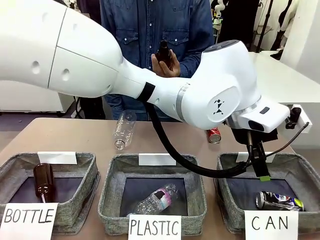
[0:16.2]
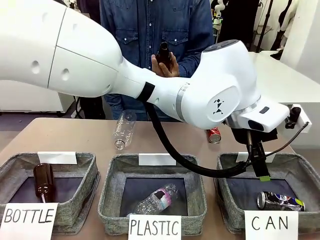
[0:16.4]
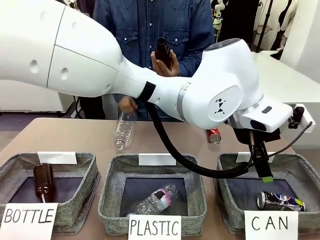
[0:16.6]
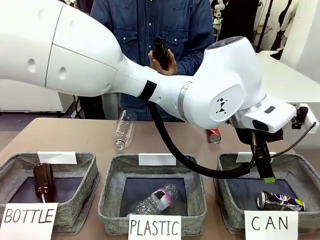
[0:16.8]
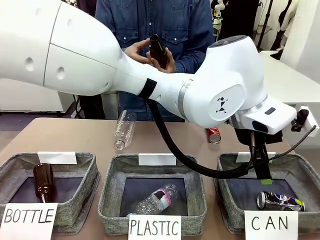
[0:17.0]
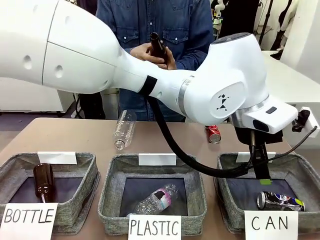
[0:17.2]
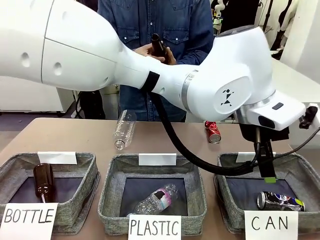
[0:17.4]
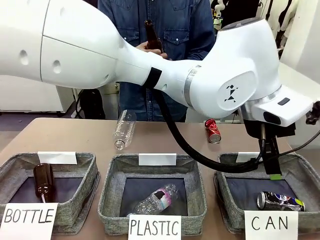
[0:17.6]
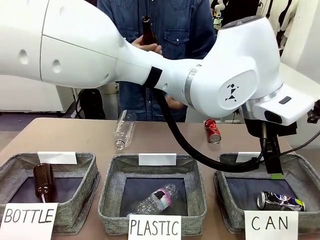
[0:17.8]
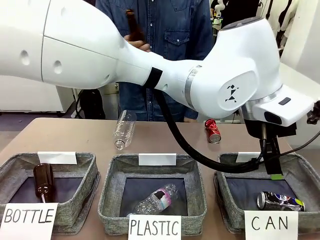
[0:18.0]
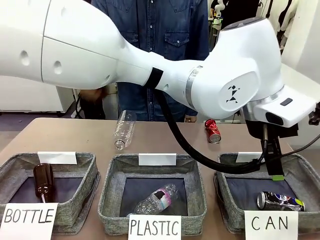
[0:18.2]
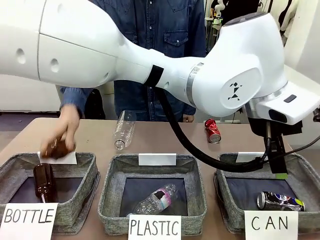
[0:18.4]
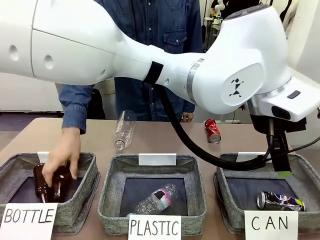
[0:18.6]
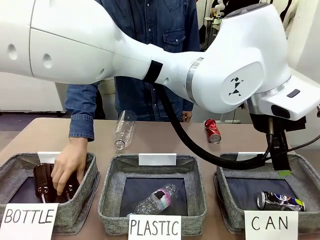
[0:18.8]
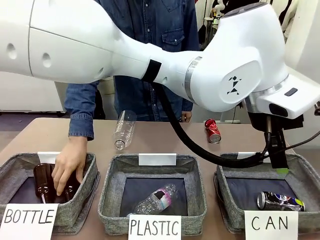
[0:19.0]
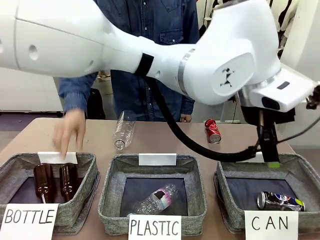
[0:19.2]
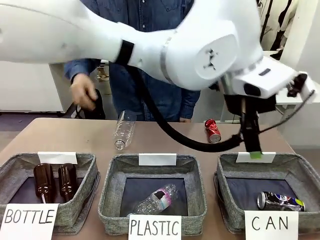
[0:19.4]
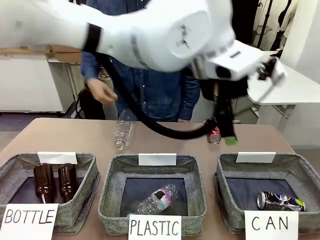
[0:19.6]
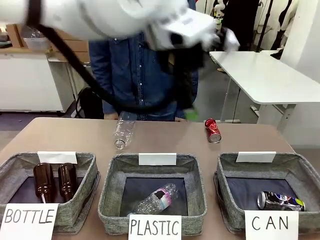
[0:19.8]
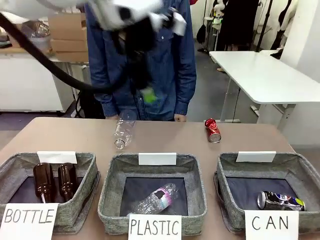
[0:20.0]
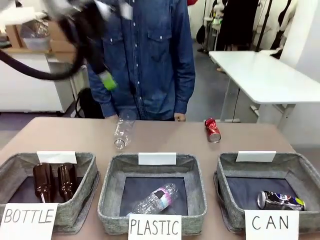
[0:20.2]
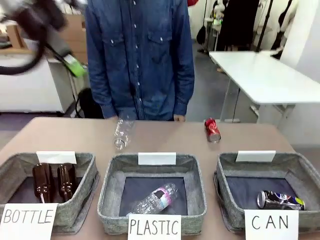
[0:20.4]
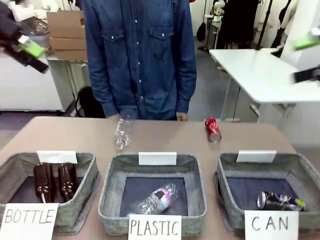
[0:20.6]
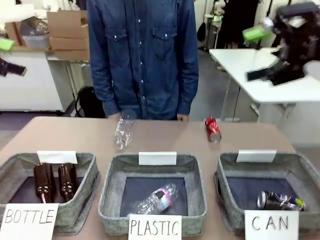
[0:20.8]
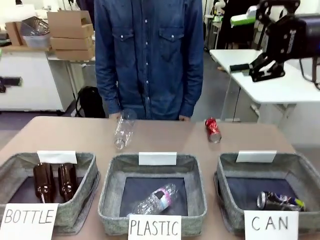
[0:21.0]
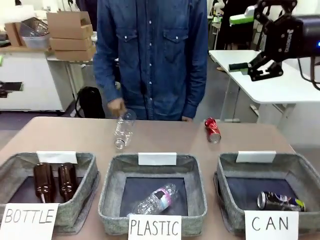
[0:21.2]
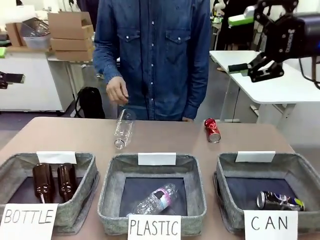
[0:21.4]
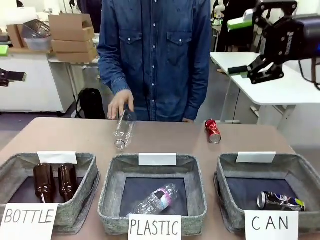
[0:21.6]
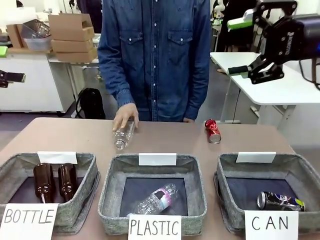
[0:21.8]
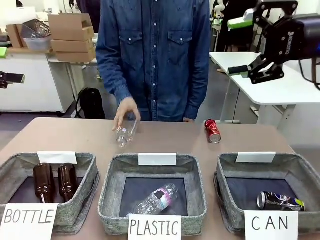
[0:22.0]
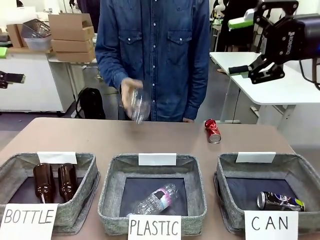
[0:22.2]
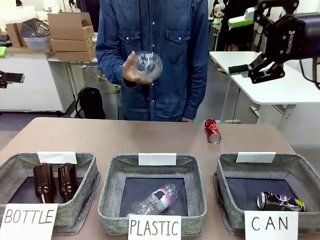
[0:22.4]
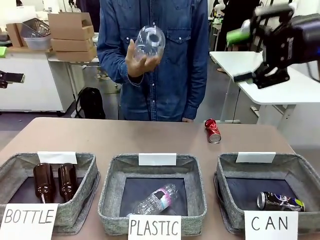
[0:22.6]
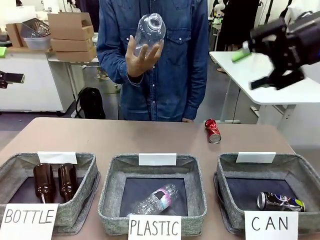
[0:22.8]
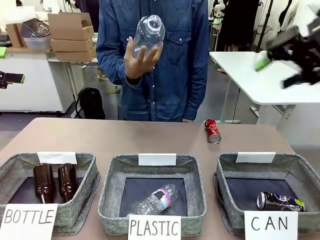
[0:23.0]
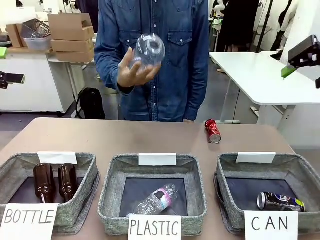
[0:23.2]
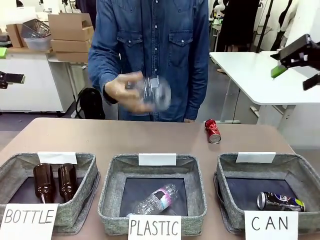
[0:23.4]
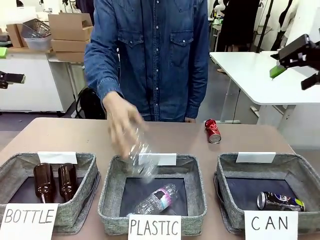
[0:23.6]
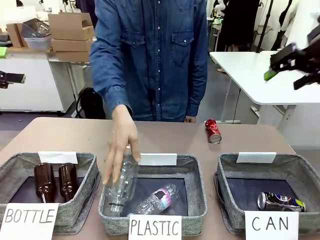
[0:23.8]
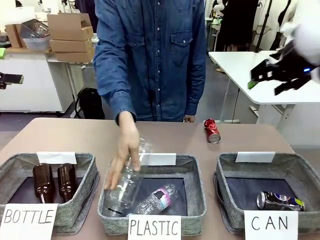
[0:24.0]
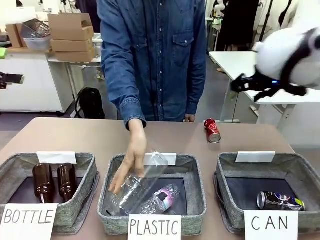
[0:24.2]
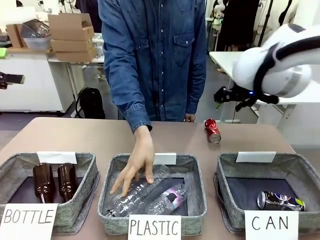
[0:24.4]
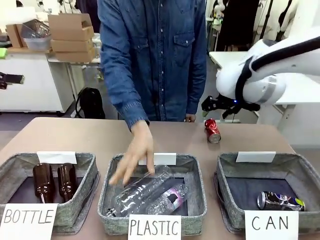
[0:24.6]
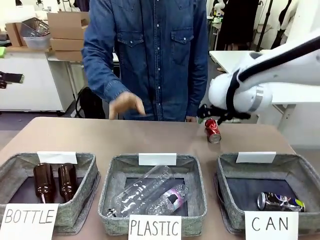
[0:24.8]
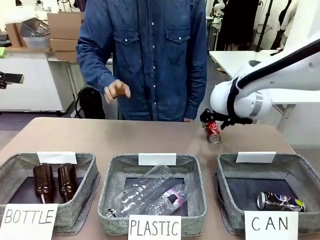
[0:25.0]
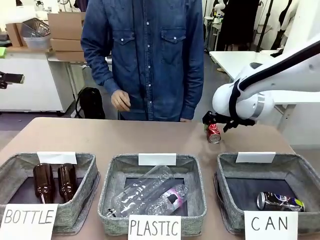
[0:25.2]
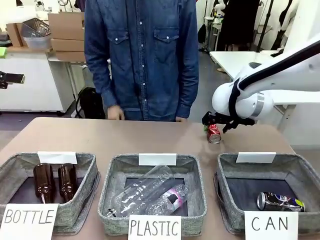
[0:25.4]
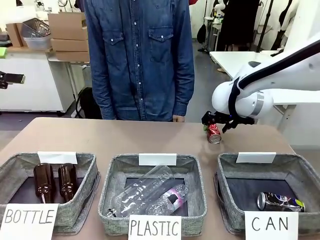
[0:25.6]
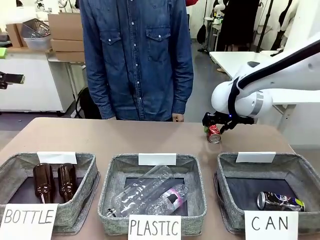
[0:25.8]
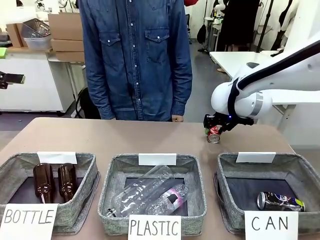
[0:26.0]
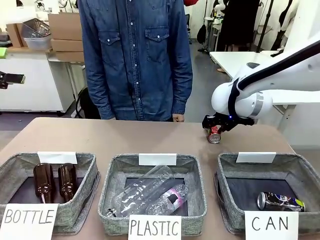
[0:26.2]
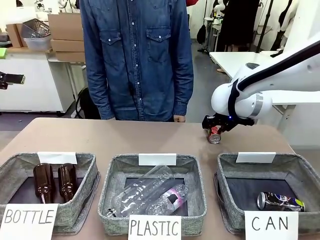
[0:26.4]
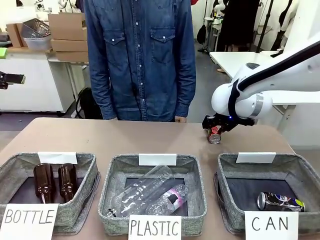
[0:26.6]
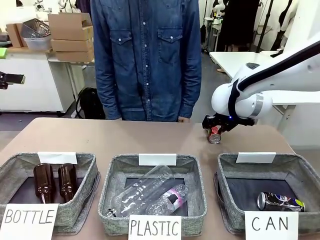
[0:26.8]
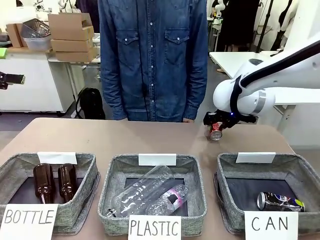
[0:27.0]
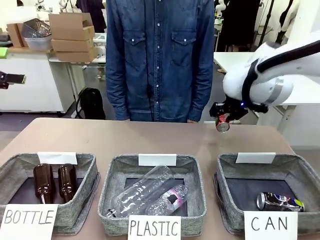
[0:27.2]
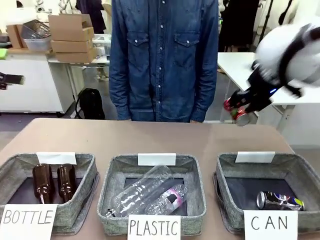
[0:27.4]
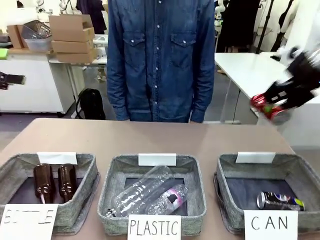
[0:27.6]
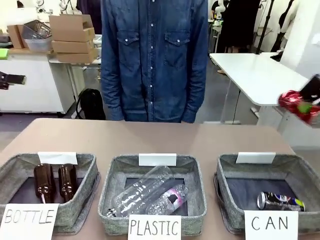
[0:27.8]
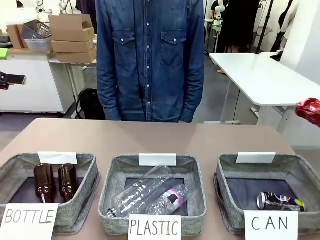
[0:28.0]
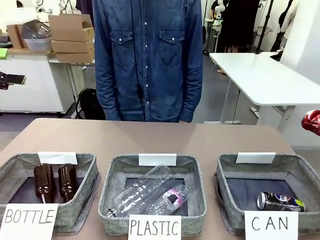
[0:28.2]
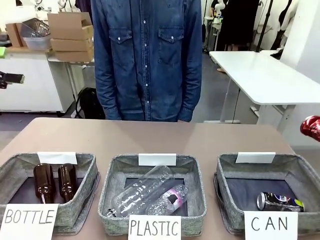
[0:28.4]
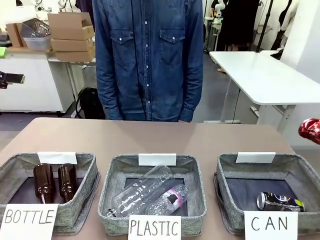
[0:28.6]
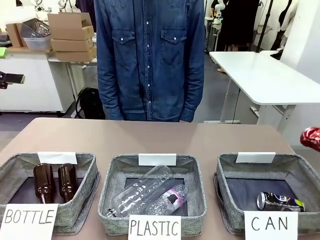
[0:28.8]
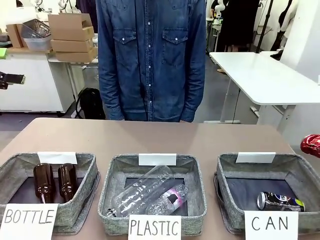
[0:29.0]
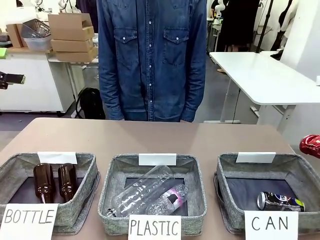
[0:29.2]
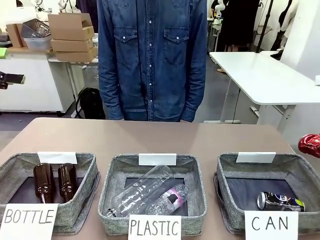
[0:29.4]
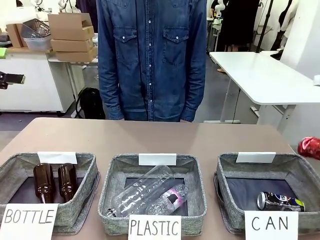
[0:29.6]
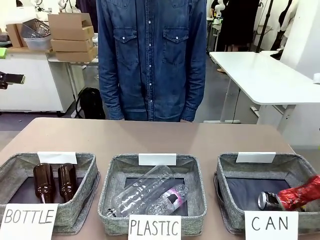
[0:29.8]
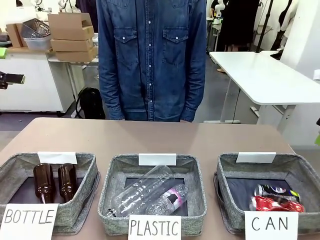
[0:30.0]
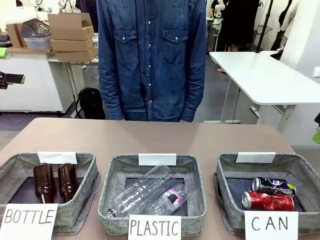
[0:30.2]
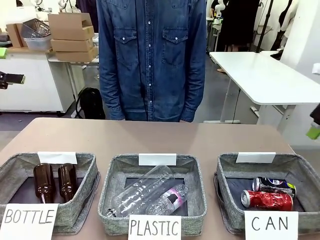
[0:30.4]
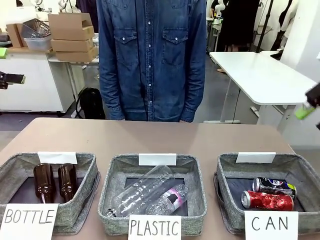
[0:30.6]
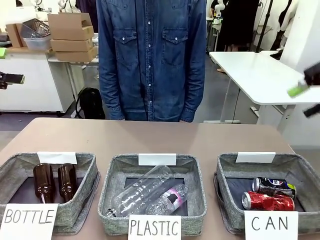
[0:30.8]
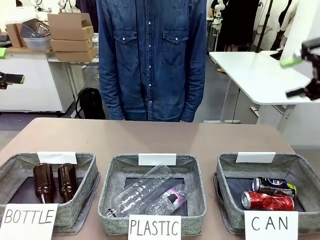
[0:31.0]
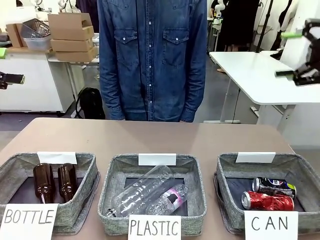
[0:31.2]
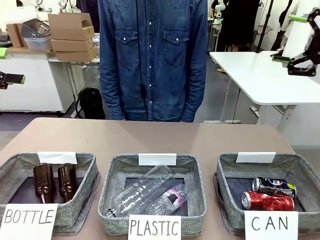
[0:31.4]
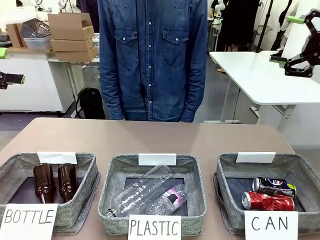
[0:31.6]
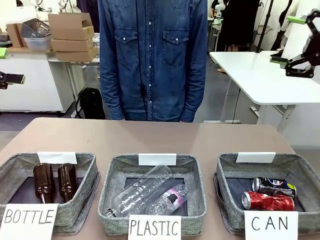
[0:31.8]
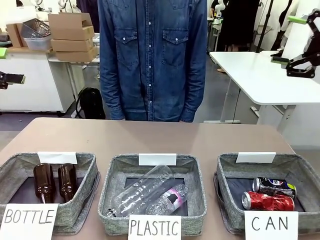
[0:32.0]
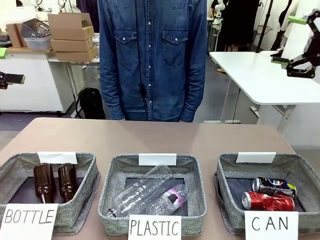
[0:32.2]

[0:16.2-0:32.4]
Task: Sort the can waste into the basket.
Robot: Pick up the can waste from the table and place it in the right Fabric basket.
